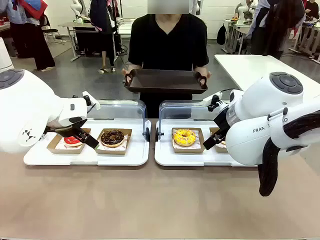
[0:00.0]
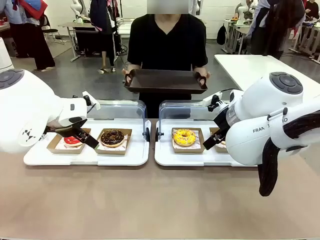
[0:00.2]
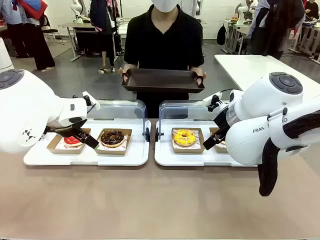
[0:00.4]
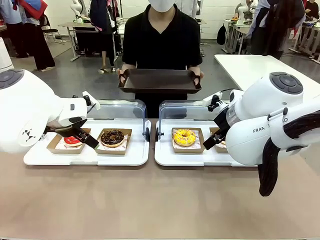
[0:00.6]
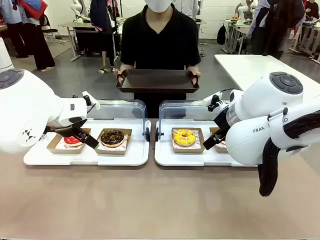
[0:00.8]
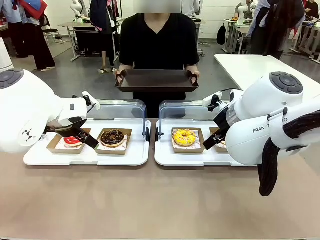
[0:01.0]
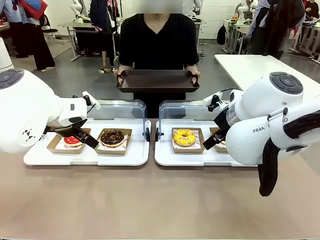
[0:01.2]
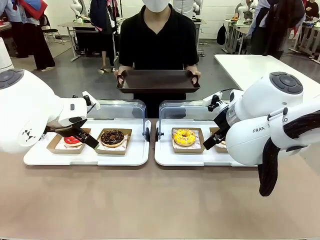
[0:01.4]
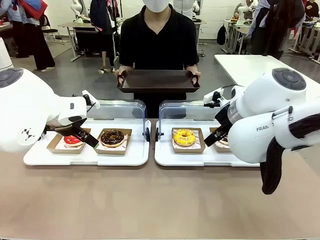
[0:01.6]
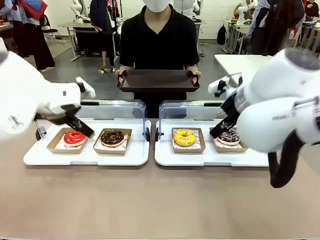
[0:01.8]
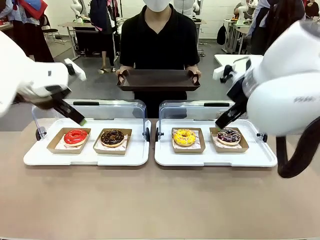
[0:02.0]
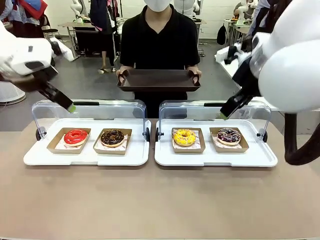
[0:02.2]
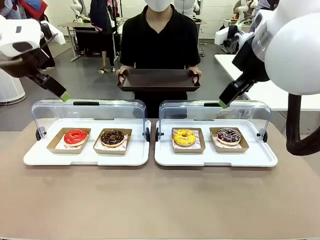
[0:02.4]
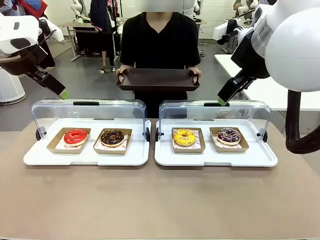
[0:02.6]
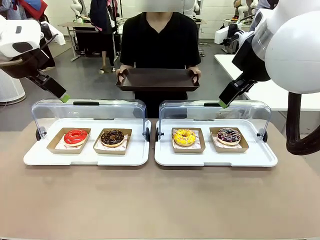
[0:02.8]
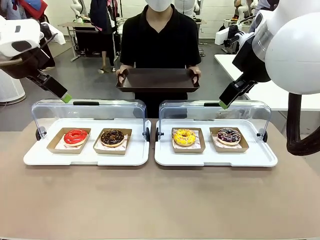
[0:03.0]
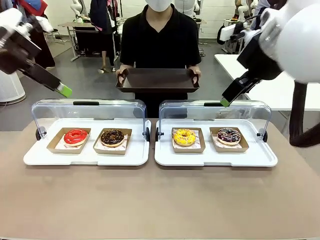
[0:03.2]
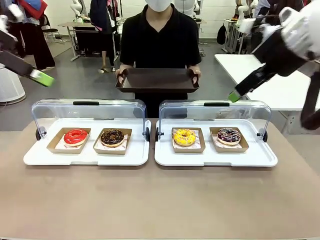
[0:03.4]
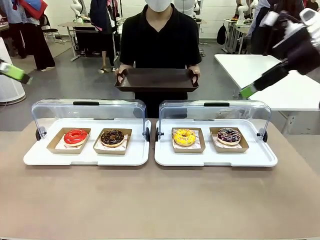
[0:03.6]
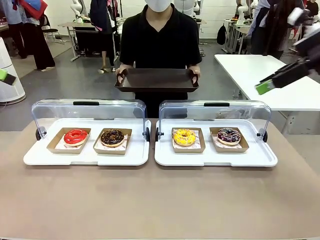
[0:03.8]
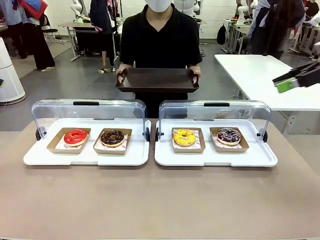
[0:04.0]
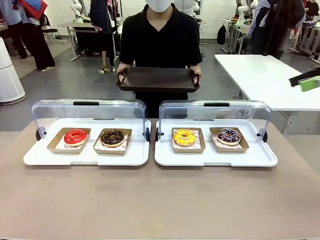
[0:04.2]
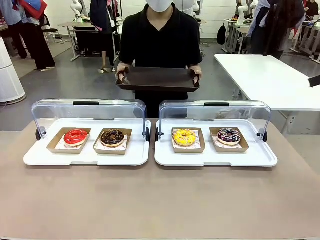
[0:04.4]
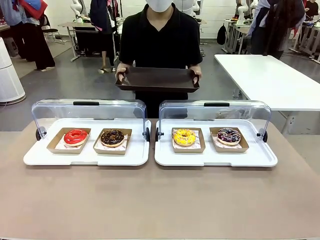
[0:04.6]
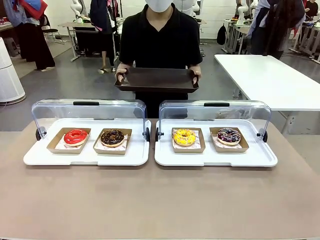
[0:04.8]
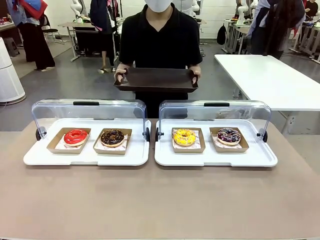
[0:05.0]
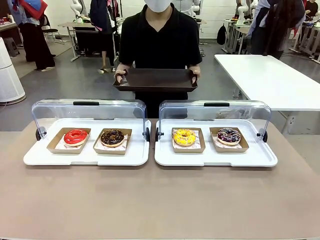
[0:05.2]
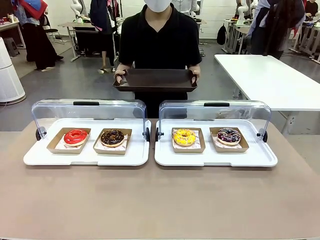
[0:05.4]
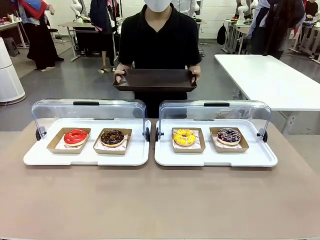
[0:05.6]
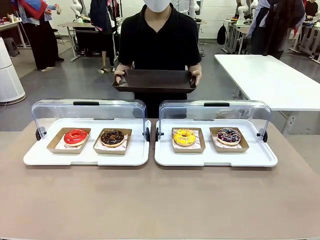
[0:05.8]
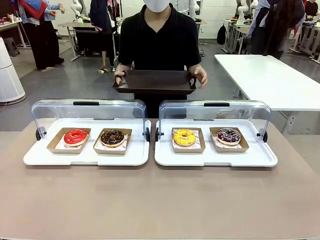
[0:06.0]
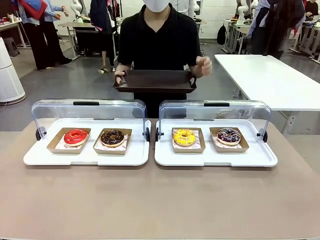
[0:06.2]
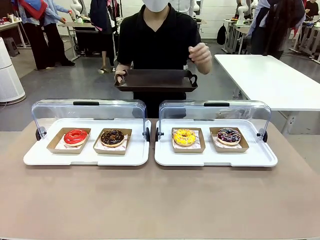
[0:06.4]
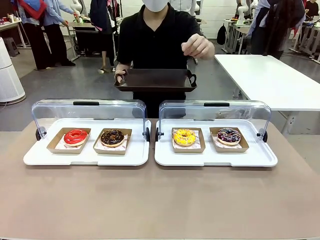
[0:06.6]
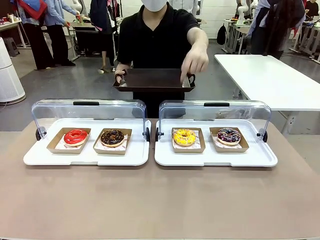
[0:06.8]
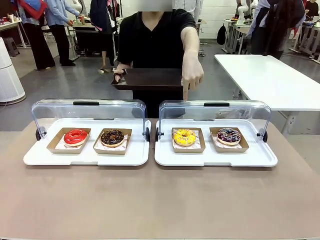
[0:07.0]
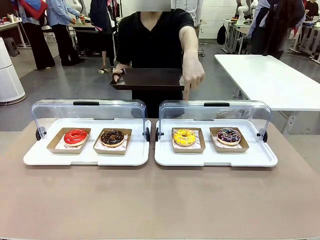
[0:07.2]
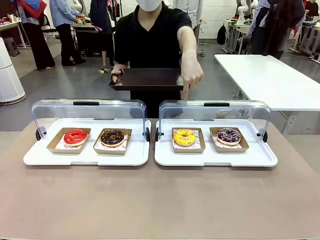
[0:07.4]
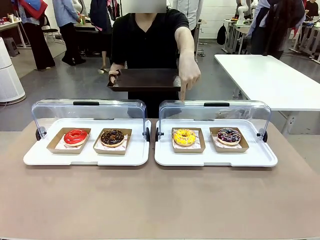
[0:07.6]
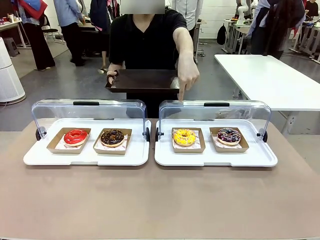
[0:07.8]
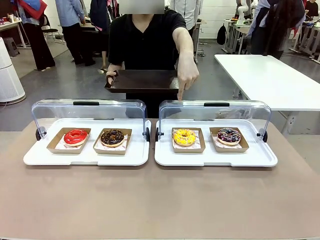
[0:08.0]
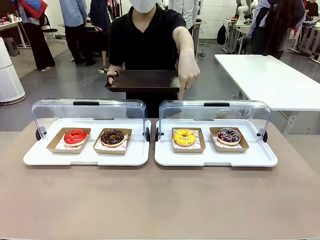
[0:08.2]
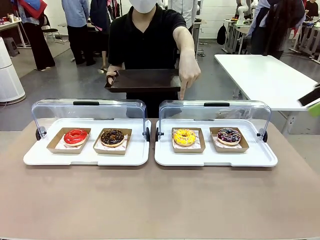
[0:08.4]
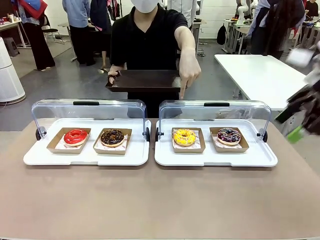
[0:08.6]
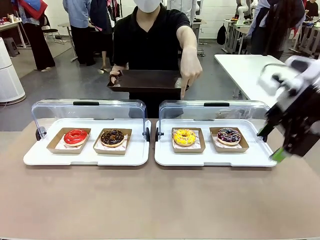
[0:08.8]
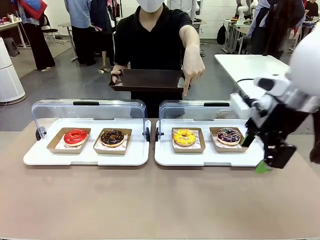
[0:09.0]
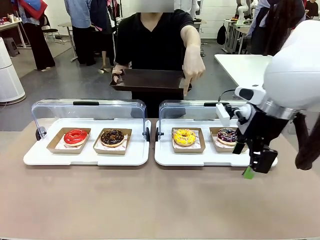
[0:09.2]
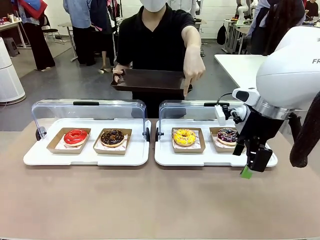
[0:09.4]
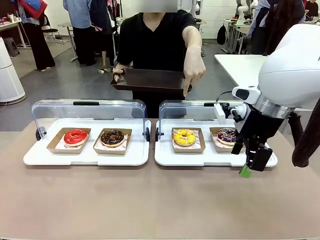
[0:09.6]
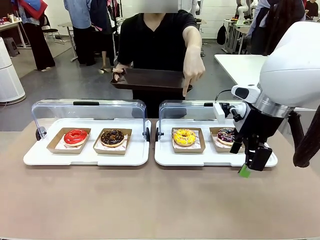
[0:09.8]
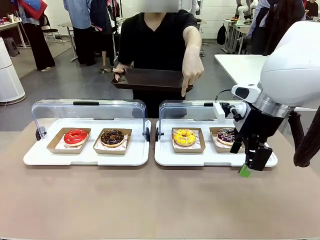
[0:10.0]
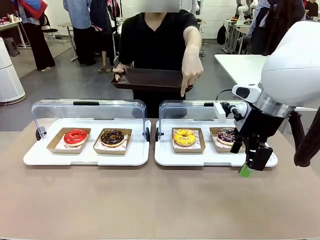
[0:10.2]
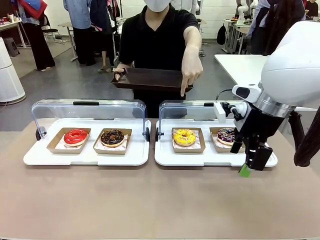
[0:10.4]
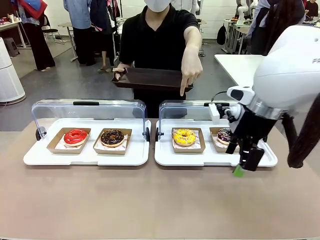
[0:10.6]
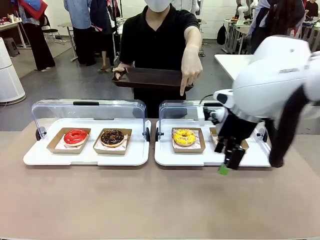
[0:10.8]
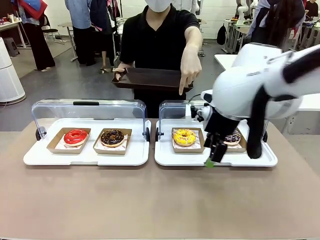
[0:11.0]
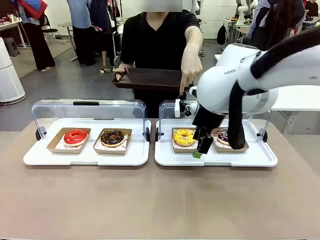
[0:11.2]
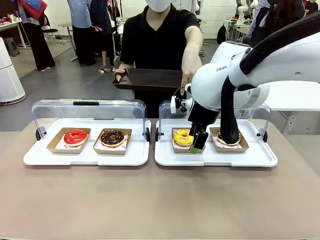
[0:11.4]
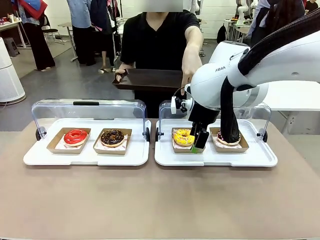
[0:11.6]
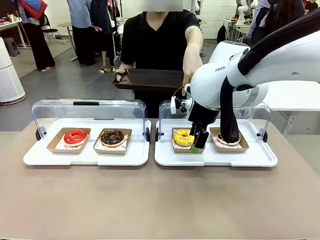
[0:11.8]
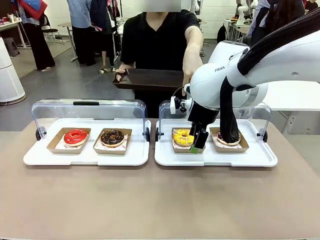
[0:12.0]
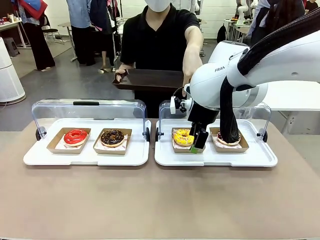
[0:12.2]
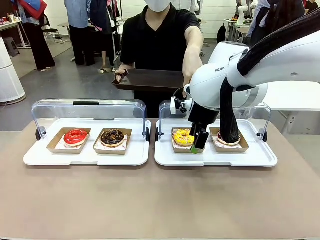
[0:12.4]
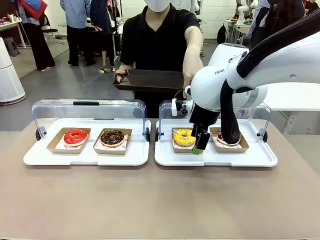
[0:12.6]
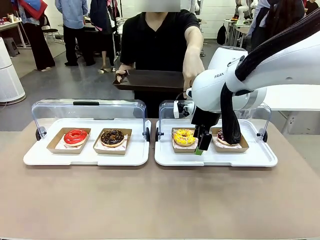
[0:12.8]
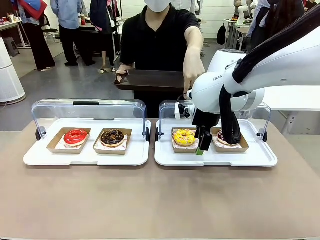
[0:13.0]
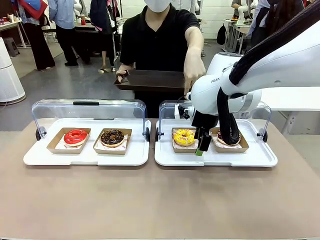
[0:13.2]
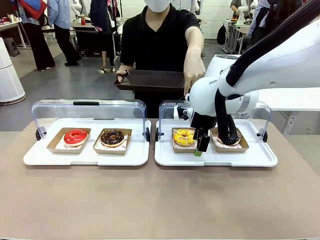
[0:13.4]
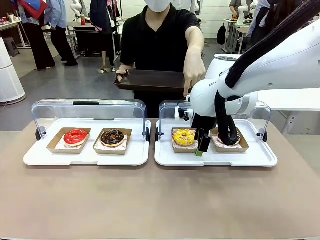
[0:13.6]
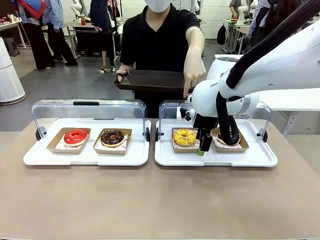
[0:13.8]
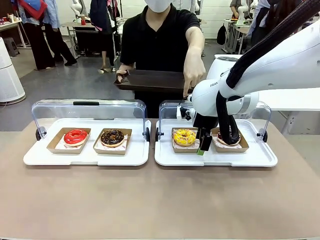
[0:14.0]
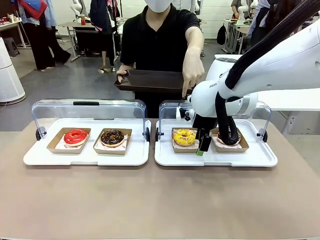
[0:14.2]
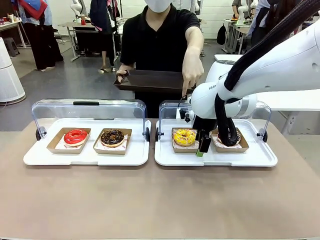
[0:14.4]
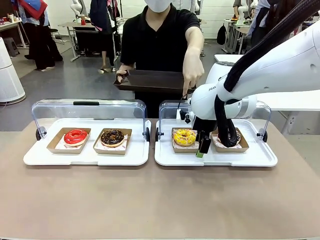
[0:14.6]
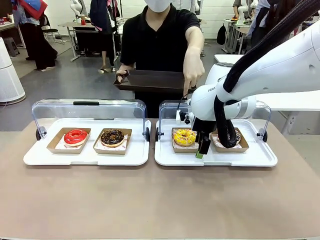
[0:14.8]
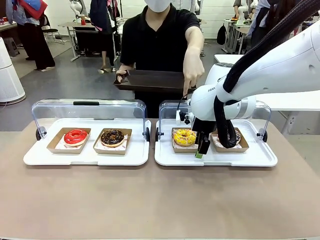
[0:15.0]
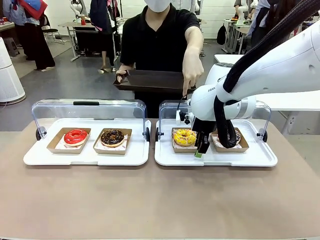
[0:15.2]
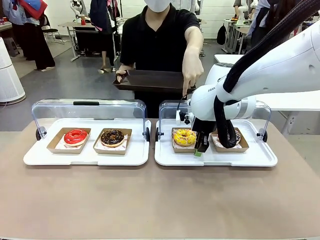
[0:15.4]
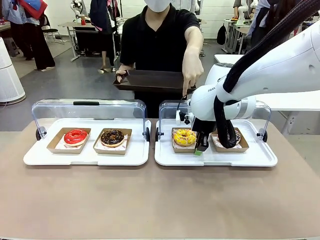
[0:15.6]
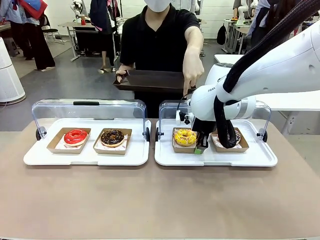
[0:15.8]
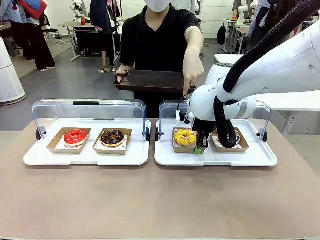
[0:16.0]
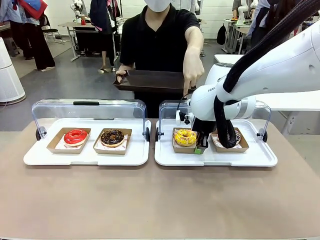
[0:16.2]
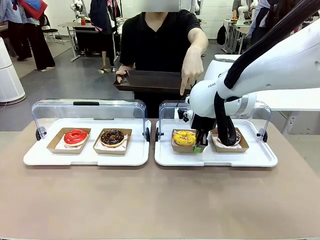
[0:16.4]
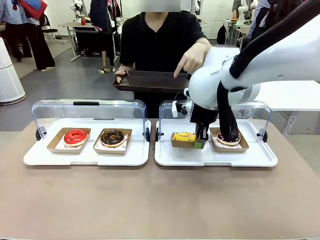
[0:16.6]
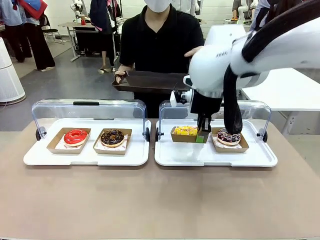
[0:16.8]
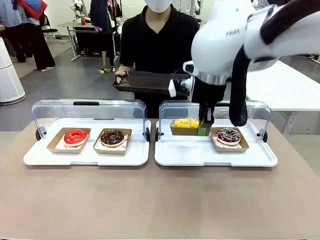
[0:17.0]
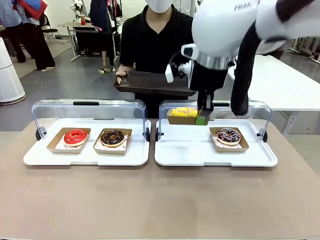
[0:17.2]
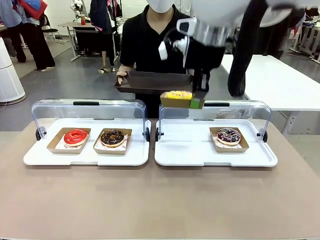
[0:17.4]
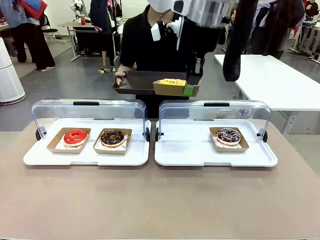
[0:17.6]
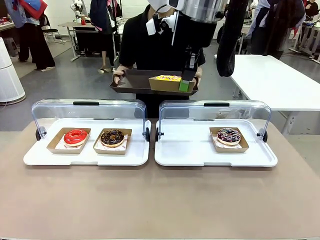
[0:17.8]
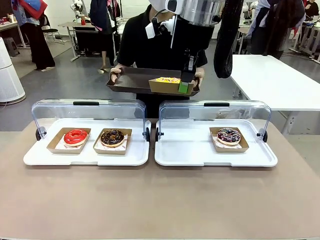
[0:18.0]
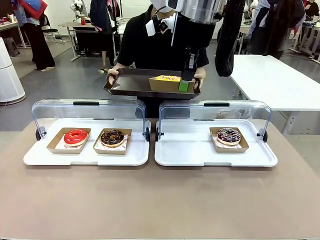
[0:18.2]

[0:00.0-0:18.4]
Task: Provide the desired donut to the person.
Robot: Pick up and lift the Paper togo box containing the Donut pointed at by the person.
Person: Point to one donut. Lift the tray onto the Roll-Top Bakery Case.
